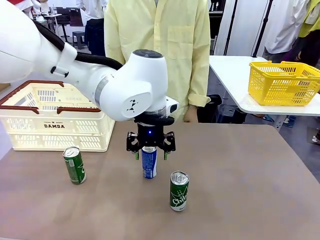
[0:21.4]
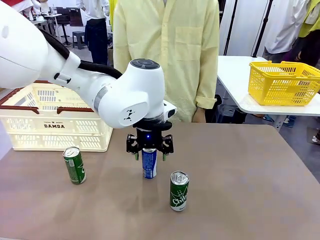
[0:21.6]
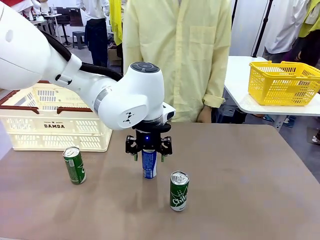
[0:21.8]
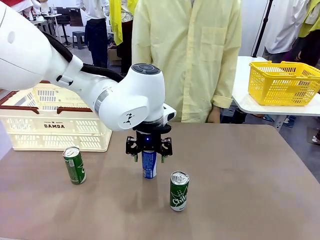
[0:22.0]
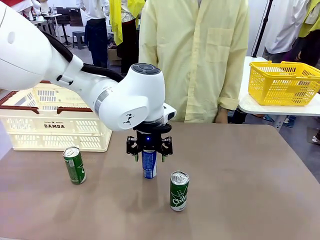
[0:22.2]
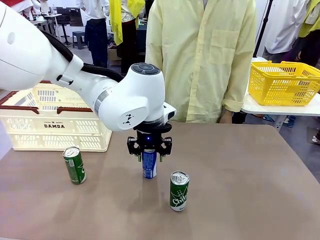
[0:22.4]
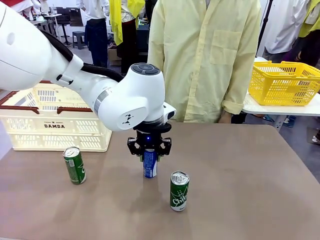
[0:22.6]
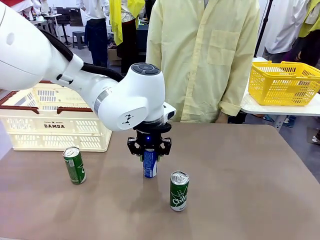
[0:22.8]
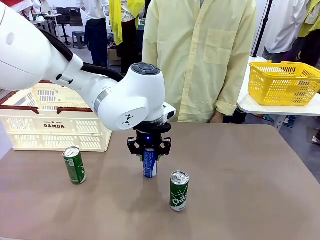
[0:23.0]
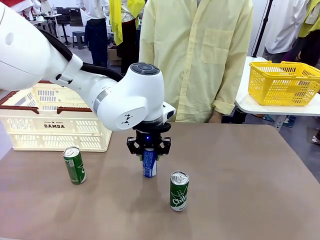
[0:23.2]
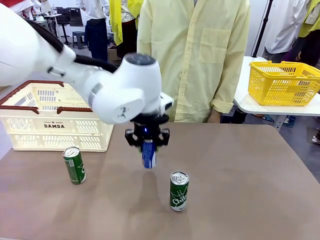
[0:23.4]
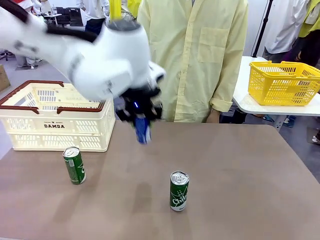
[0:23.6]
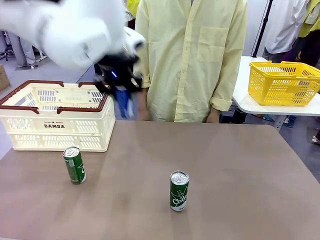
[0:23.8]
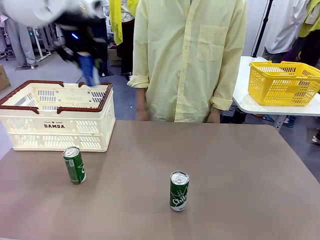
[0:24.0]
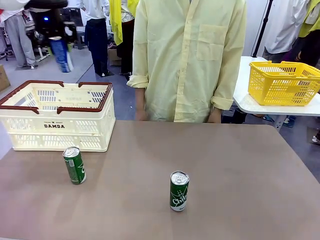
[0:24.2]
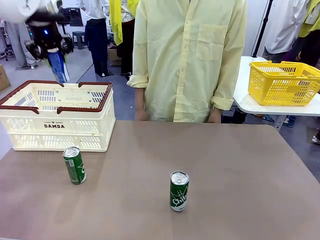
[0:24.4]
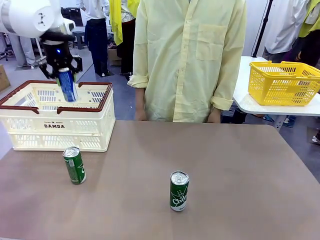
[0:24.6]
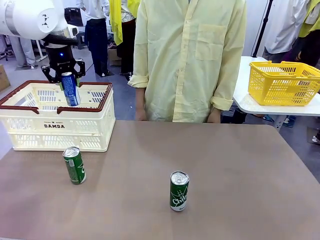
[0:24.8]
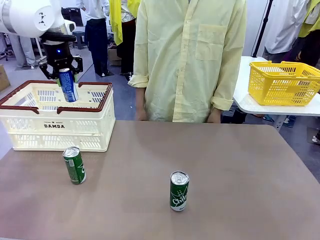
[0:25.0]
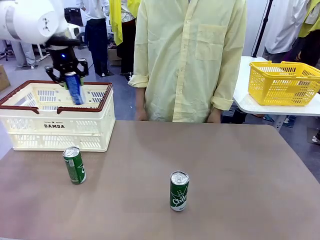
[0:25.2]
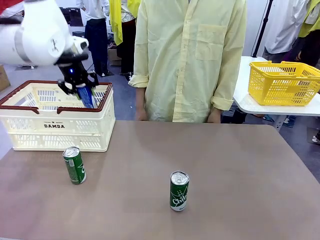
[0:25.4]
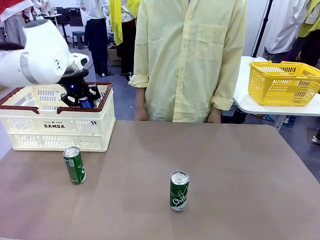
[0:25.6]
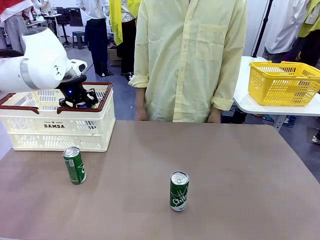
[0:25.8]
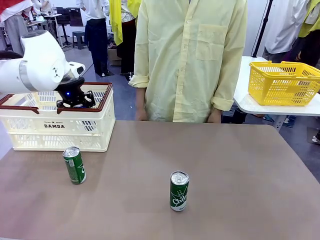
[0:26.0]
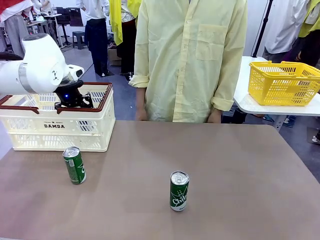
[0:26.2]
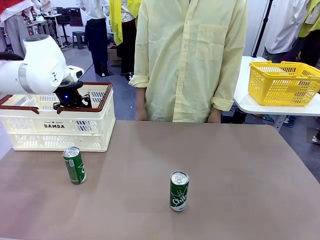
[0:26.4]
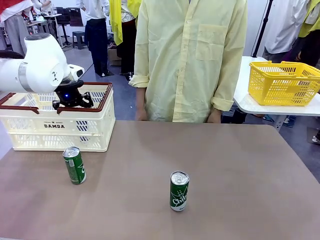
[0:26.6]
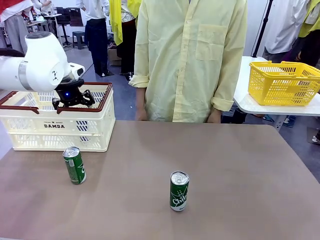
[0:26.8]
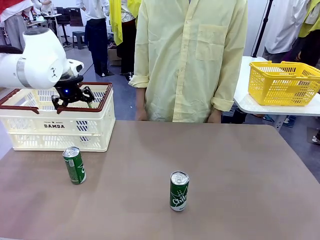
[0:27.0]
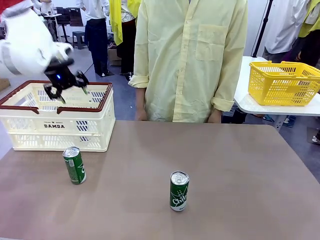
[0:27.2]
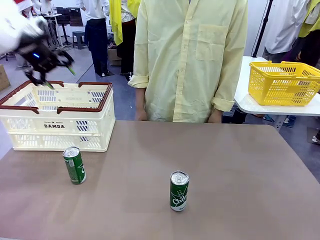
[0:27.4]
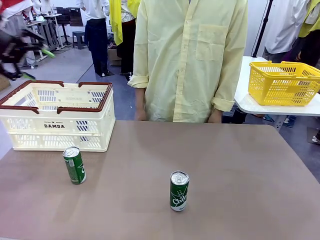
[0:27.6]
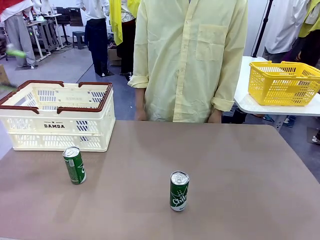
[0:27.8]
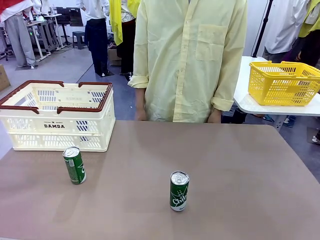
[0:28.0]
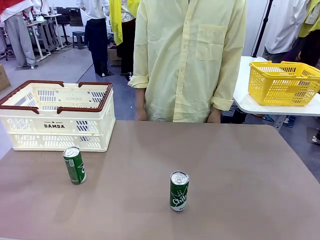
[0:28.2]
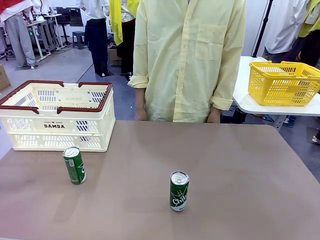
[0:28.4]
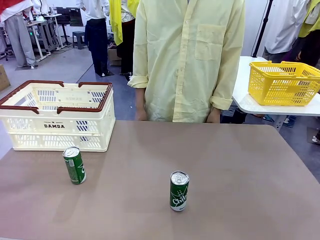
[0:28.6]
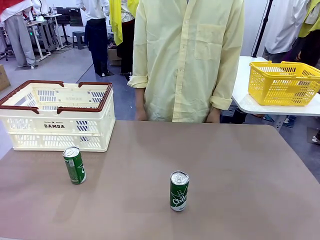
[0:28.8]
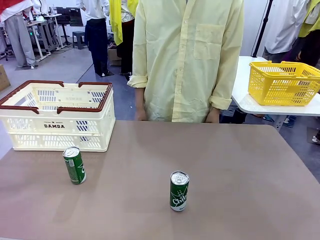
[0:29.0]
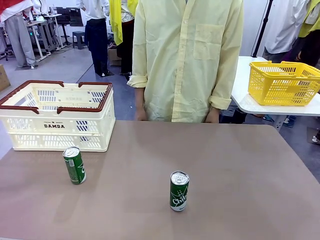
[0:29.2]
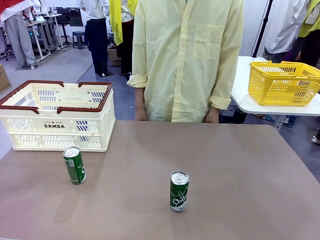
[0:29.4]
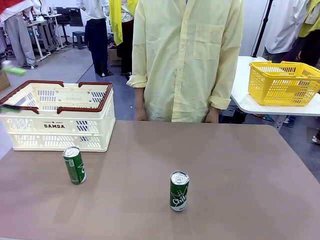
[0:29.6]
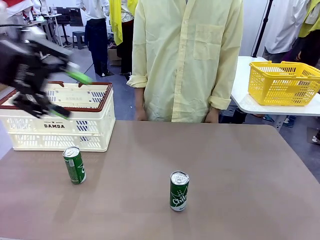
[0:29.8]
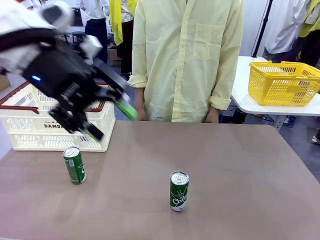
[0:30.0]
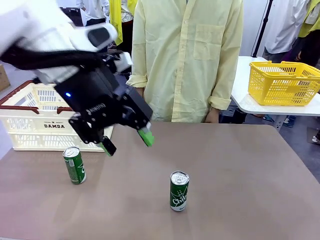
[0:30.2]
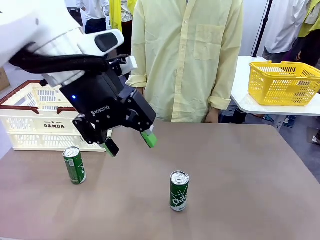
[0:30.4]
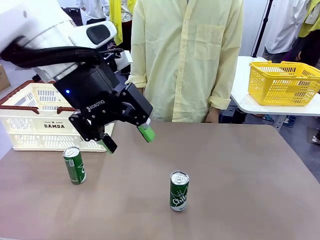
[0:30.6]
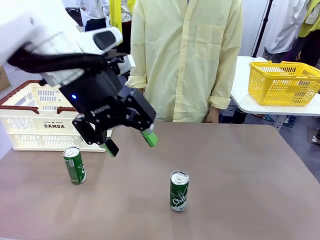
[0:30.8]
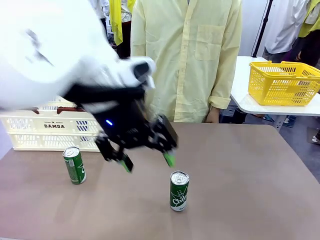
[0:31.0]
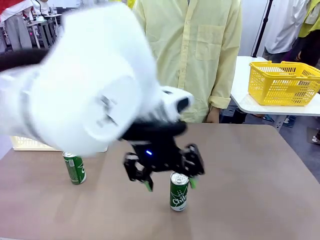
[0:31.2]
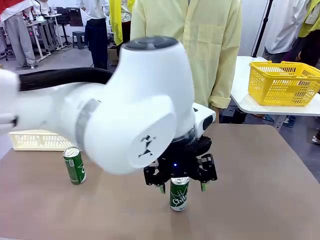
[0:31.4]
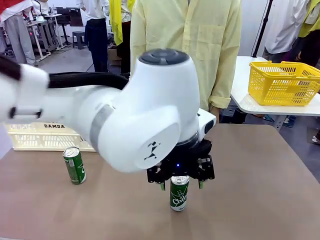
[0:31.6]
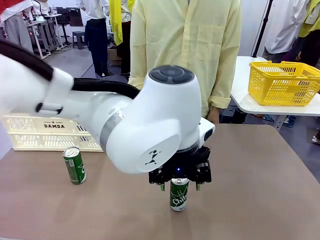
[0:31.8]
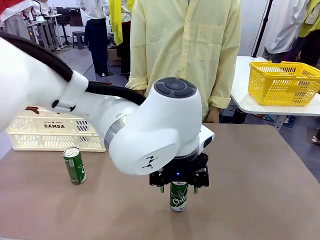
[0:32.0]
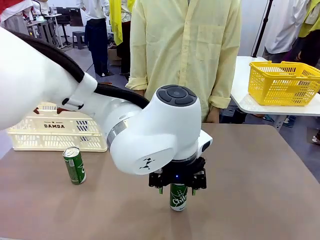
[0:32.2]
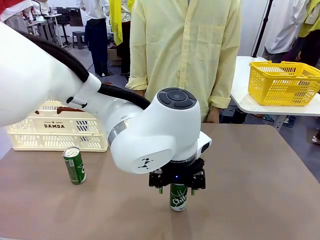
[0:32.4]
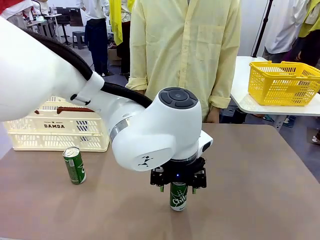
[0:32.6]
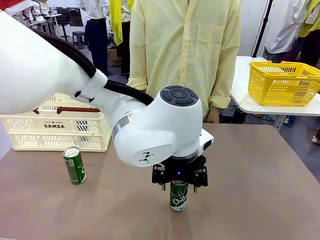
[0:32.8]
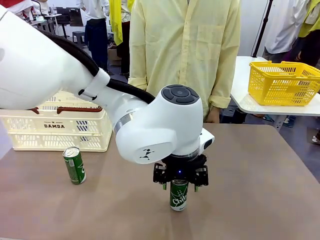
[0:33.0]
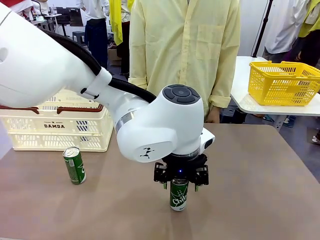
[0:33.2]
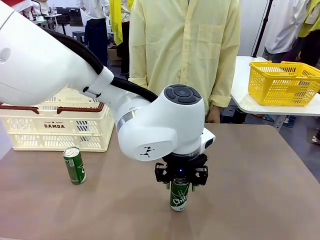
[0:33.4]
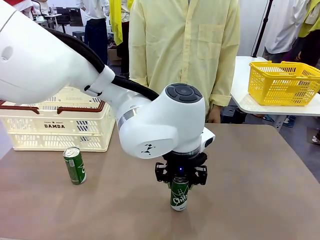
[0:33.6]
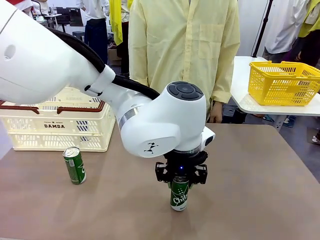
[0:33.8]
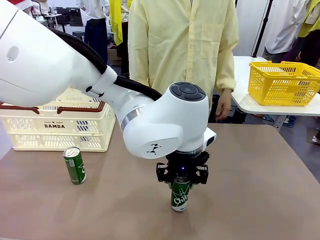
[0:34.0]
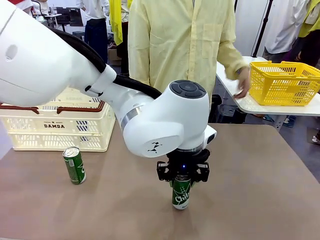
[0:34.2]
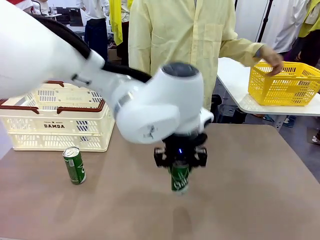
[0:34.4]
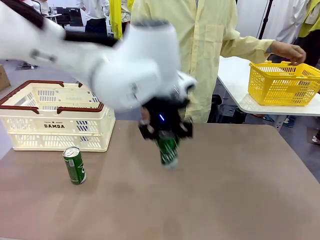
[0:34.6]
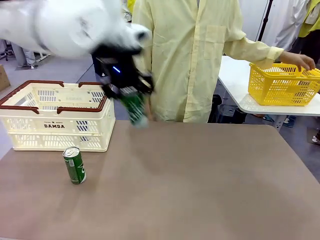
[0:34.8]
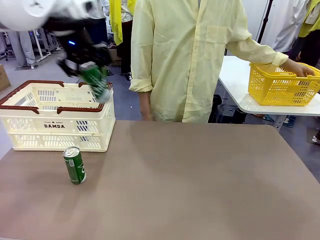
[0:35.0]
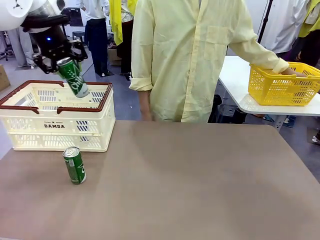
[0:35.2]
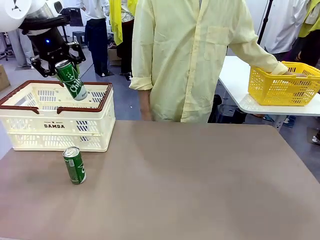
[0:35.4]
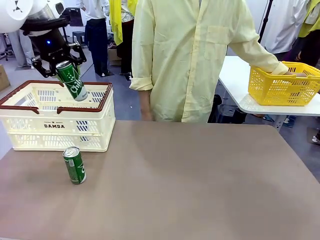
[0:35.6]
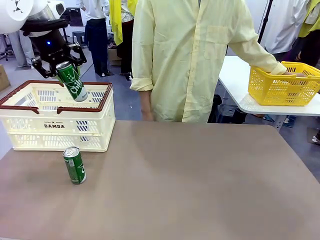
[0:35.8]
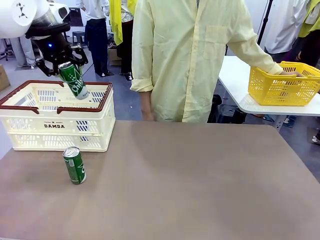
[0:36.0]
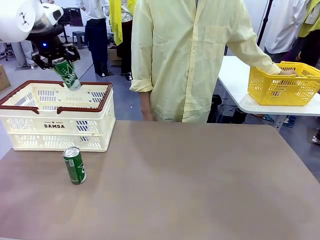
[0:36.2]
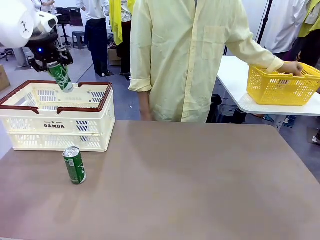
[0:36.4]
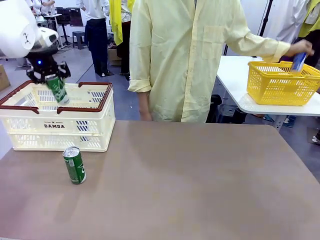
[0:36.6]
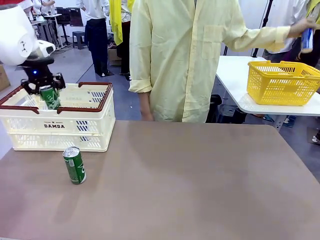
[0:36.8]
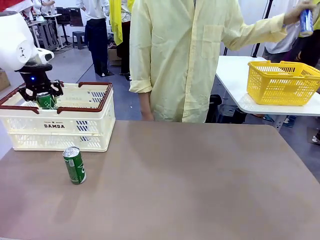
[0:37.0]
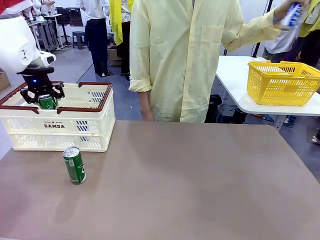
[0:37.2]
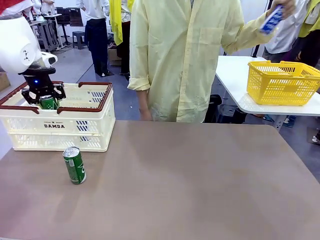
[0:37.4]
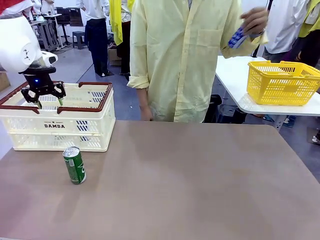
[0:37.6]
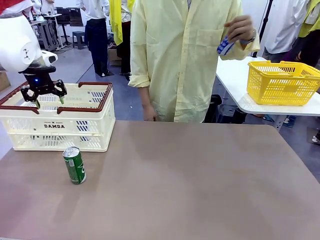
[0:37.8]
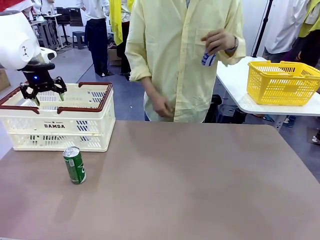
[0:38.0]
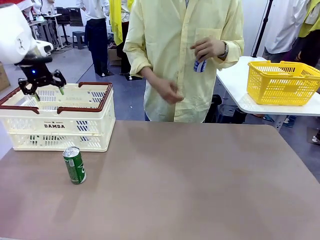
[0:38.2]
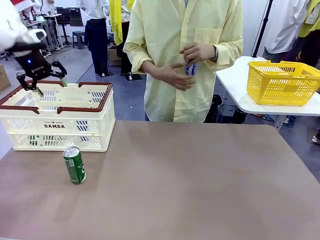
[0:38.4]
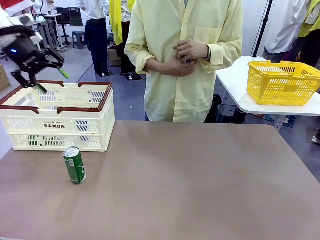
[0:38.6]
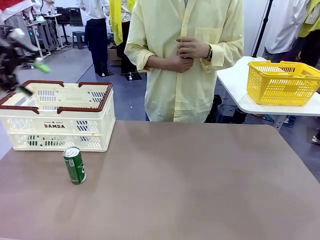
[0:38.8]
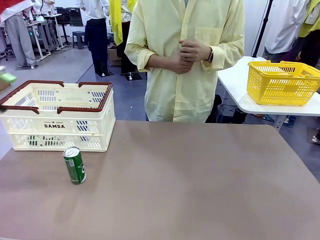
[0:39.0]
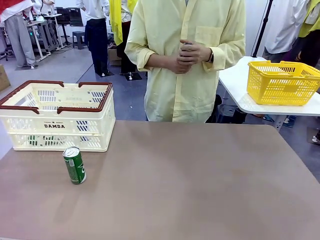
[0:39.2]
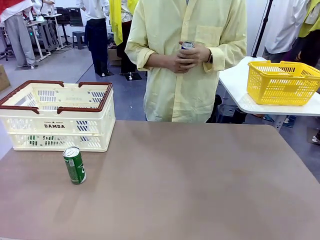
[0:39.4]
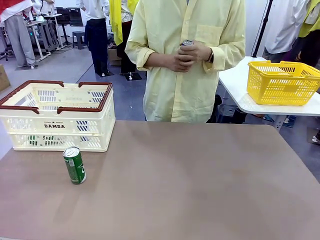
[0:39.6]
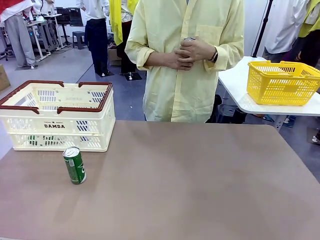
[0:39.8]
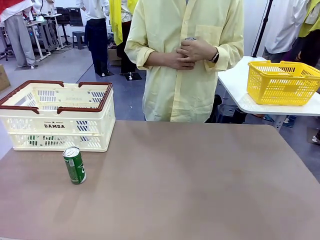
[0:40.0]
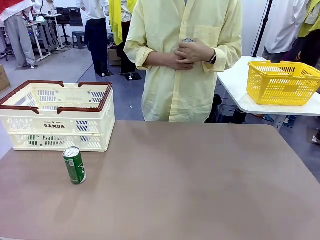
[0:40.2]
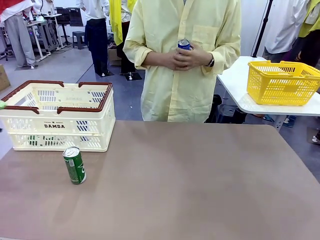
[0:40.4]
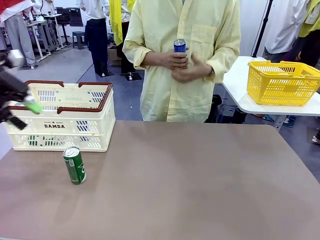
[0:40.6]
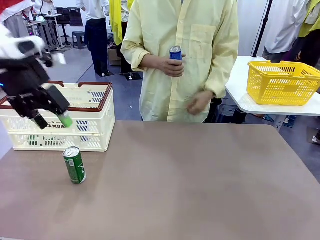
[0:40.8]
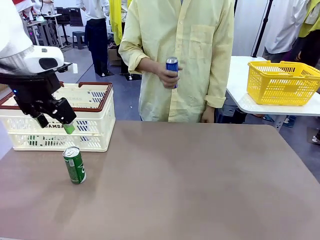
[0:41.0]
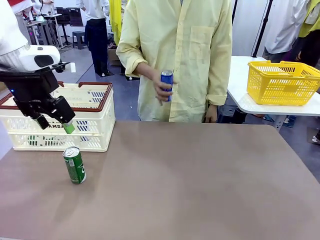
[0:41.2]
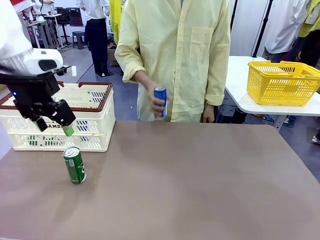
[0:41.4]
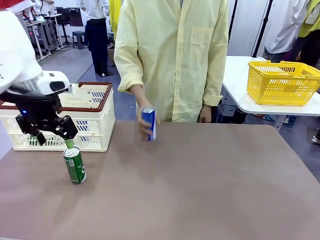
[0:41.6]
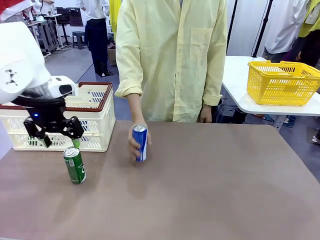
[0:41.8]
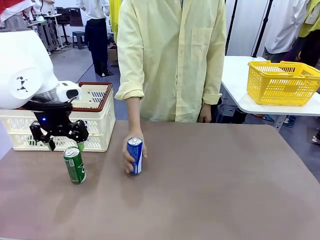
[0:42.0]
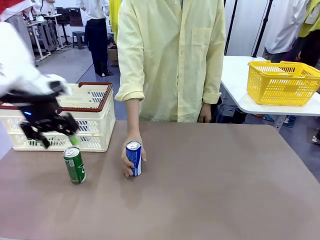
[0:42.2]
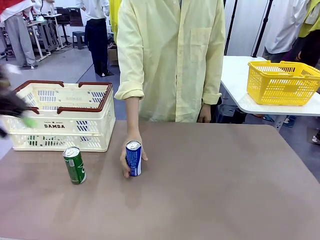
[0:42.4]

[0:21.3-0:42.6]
Task: Place the drinks into the Shopping basket.
Robot: Pick up one drink and place it into the Shopping basket.
